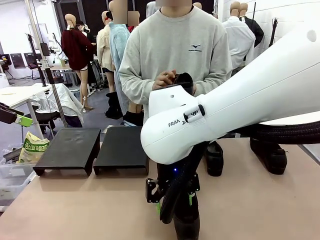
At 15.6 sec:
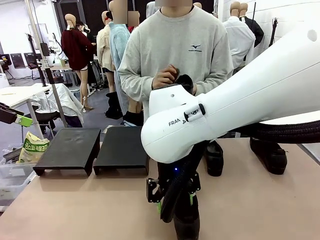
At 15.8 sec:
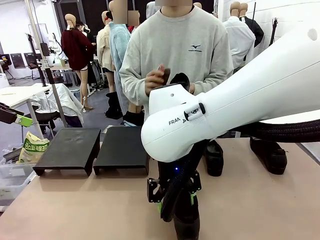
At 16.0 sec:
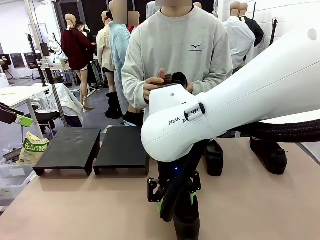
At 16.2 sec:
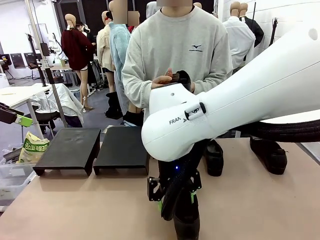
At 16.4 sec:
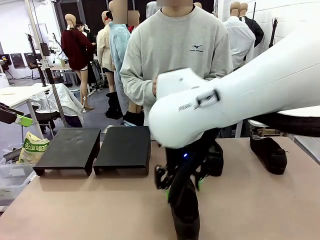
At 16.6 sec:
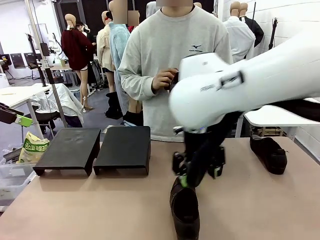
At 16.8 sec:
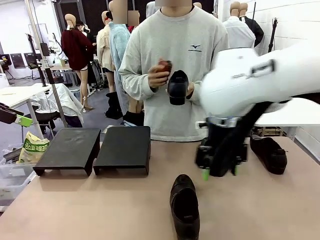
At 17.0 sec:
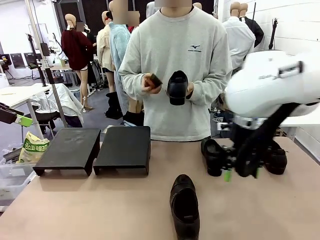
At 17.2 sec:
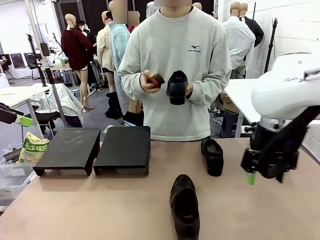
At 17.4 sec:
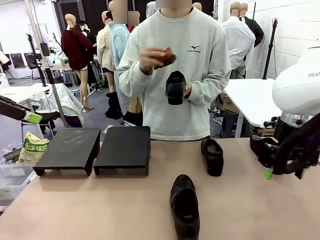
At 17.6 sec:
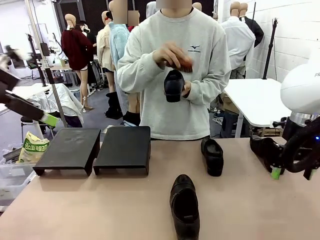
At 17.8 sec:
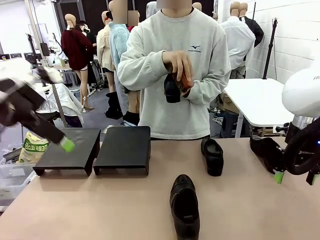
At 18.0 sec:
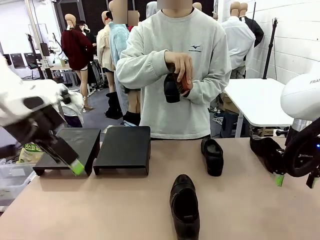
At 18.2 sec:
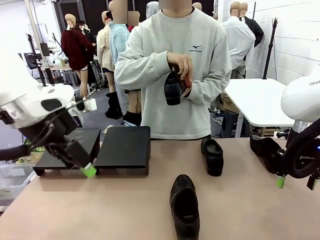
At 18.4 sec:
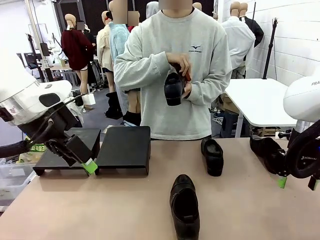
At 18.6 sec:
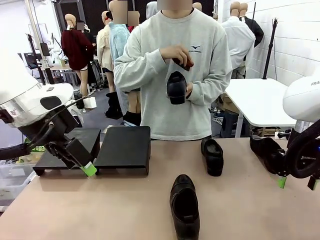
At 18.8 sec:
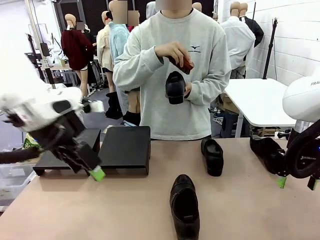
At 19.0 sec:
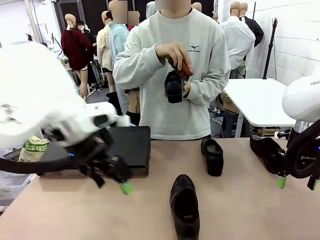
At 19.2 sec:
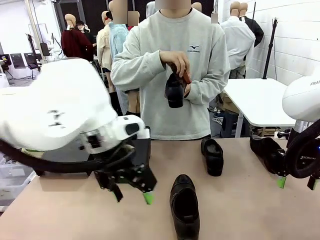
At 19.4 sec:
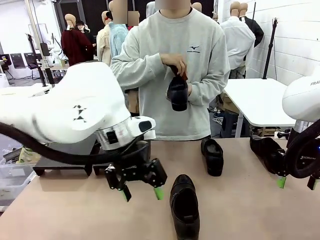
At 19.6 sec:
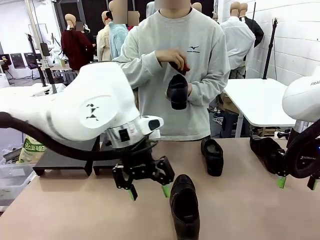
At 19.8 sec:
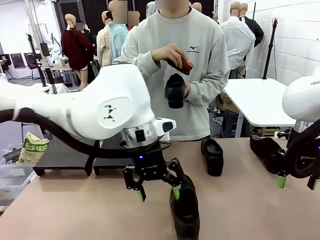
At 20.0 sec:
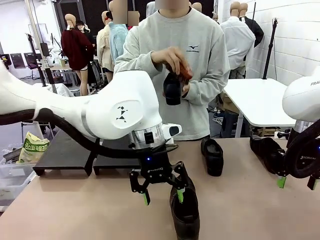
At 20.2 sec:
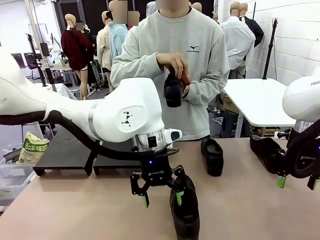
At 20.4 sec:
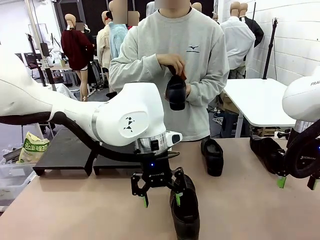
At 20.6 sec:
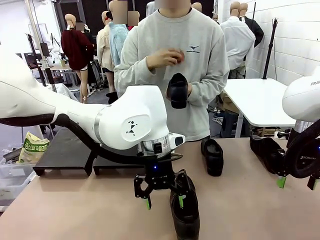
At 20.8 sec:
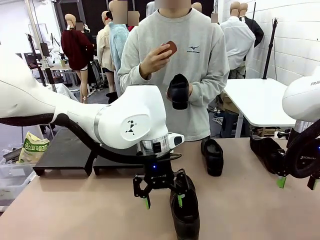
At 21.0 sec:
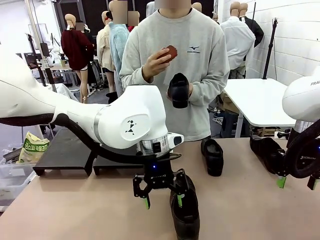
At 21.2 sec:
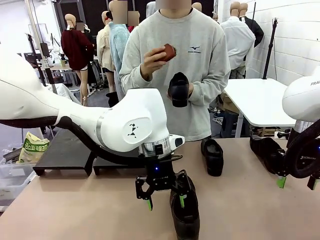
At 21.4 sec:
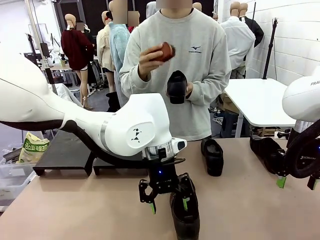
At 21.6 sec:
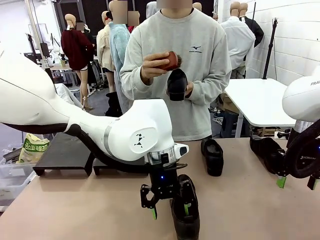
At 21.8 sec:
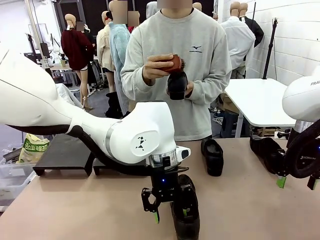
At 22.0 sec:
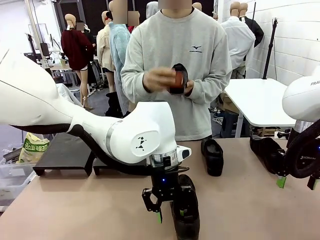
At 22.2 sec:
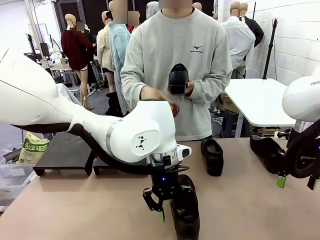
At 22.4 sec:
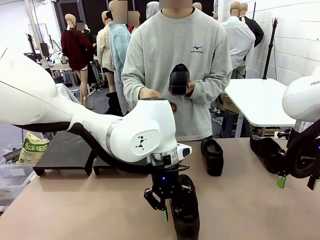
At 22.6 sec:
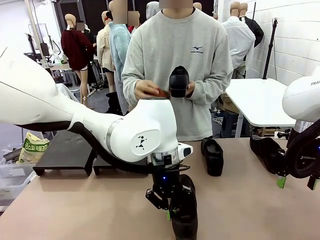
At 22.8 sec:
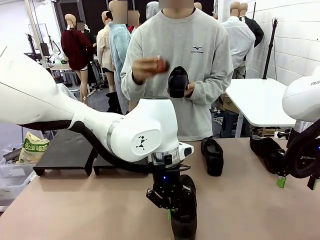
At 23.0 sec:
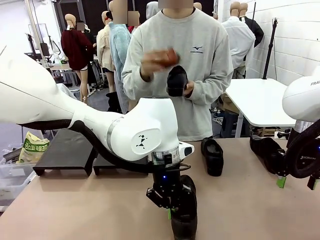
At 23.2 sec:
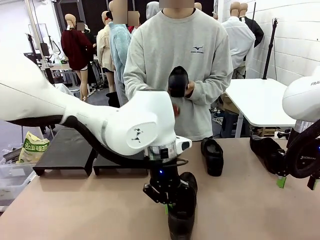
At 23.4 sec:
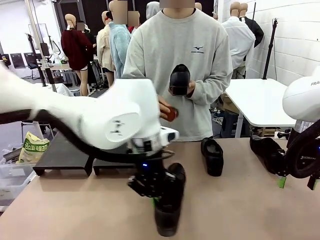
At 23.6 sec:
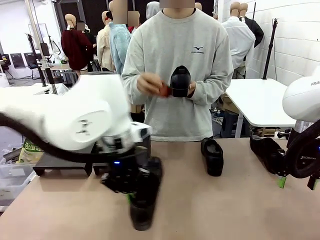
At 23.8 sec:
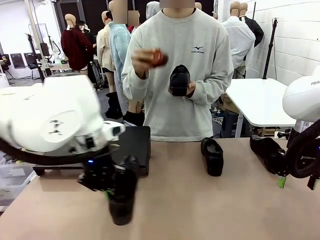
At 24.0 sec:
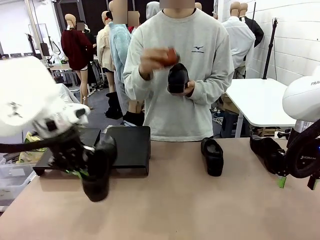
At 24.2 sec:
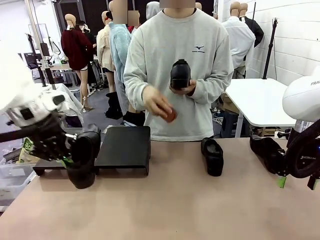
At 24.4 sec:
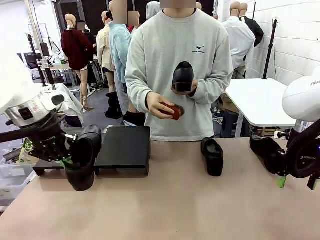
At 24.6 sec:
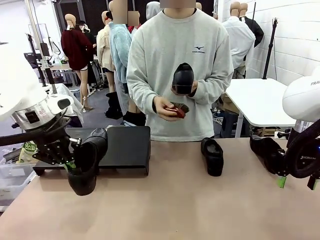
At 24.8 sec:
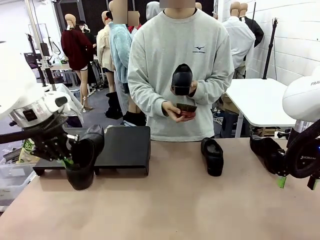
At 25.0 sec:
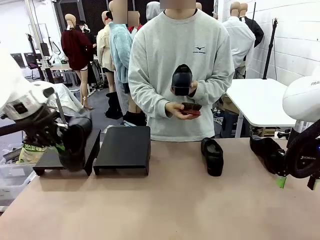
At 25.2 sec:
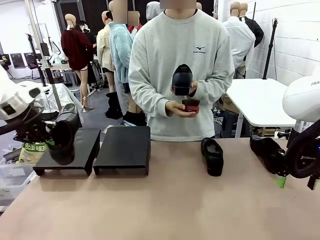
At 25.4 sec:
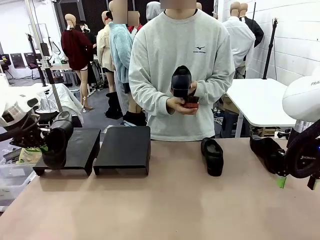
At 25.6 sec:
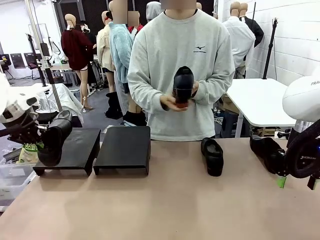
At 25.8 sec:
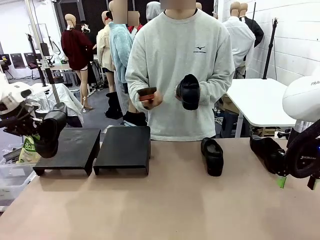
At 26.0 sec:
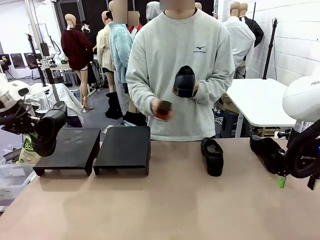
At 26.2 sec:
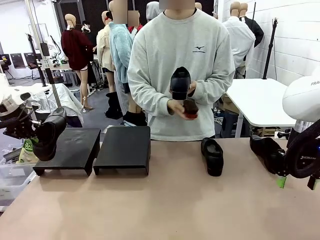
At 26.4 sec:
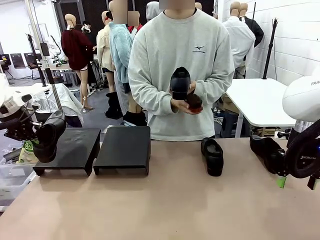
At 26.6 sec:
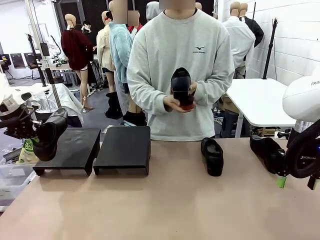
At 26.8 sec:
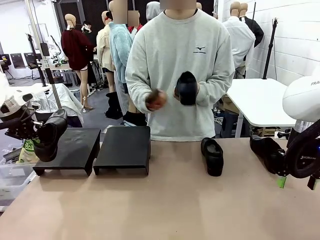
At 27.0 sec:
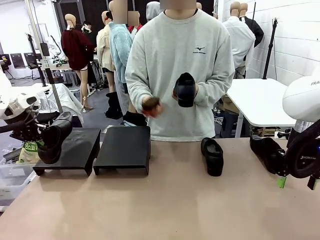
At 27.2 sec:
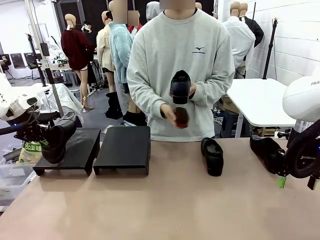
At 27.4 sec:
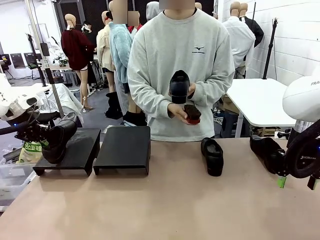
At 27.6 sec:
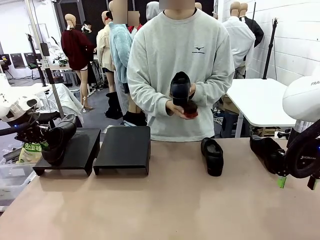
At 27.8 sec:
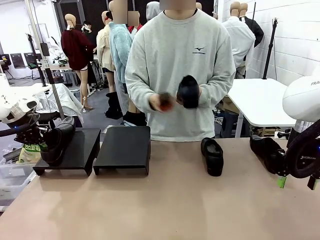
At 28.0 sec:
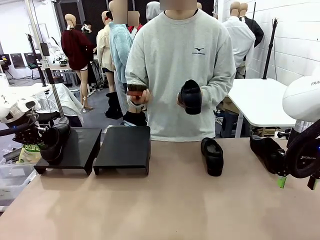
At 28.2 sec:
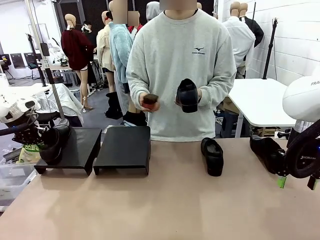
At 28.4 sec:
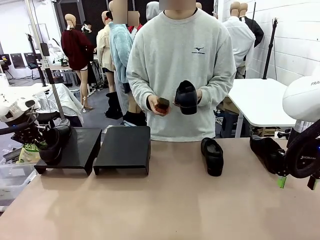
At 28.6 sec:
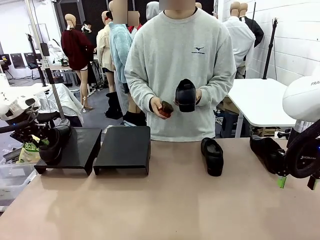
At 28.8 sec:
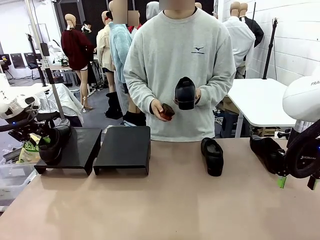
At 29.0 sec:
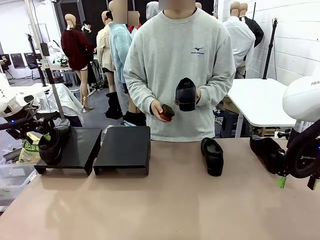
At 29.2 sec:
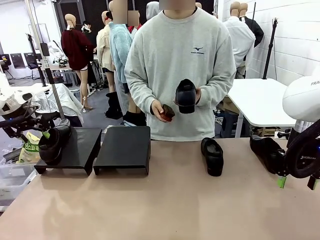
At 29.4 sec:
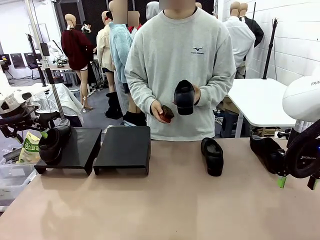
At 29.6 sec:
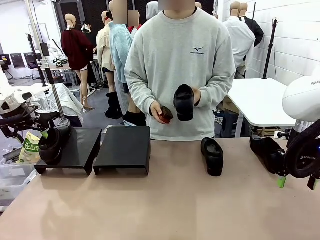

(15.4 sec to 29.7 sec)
Task: Organize the shoes by placing them on the stand.
Robot: Place the Shoe from the middle of the table onto the Shoes Stand.
Person: Clean the Shoe with the Shoe Brush.
